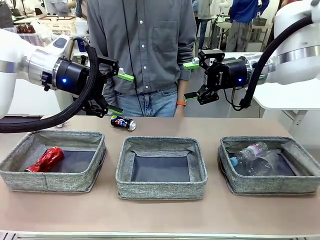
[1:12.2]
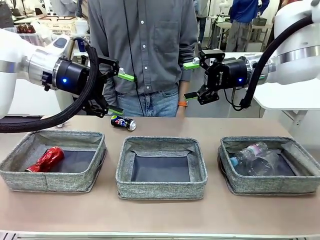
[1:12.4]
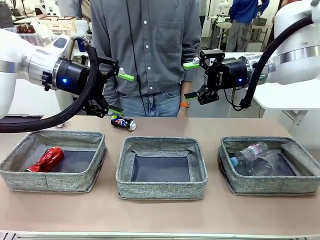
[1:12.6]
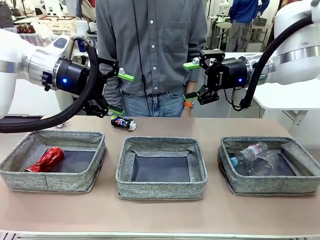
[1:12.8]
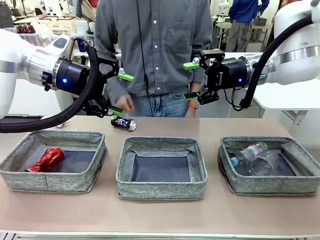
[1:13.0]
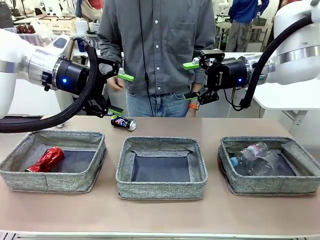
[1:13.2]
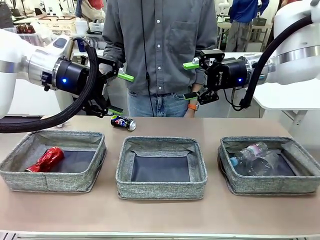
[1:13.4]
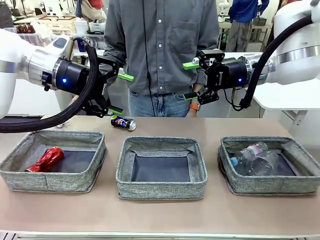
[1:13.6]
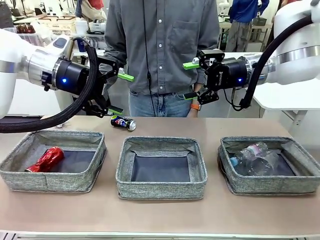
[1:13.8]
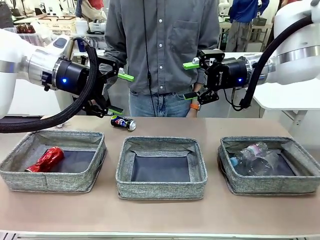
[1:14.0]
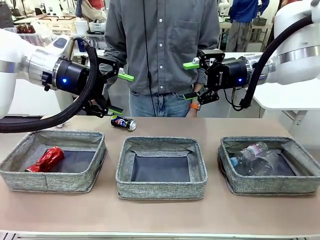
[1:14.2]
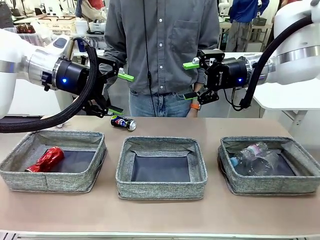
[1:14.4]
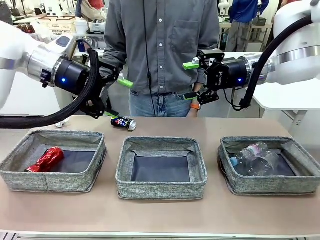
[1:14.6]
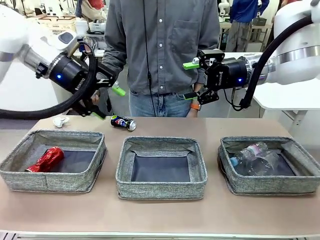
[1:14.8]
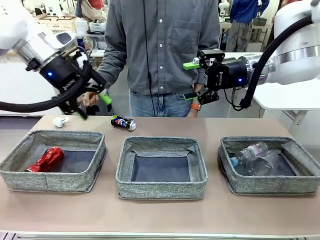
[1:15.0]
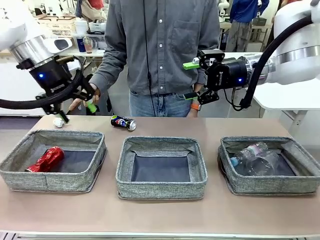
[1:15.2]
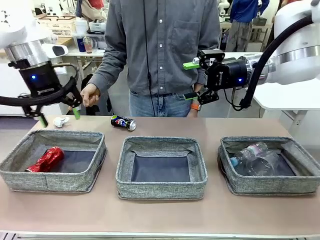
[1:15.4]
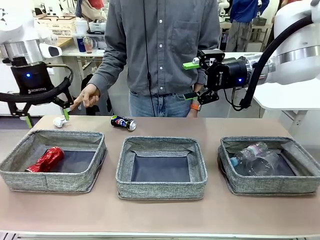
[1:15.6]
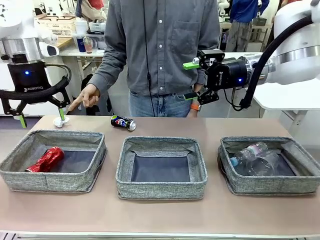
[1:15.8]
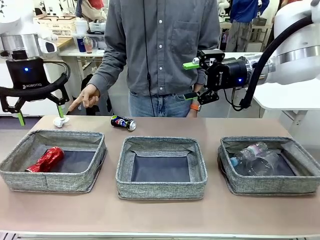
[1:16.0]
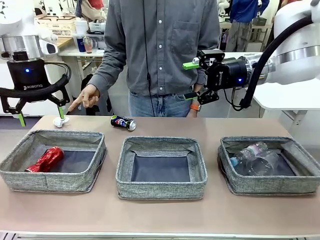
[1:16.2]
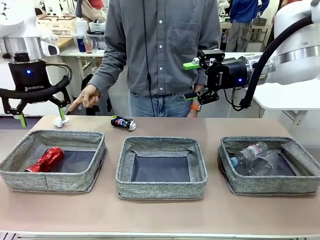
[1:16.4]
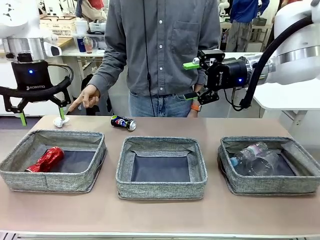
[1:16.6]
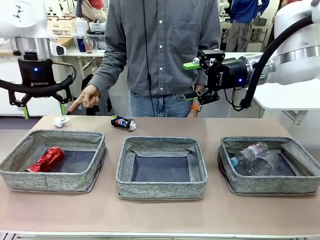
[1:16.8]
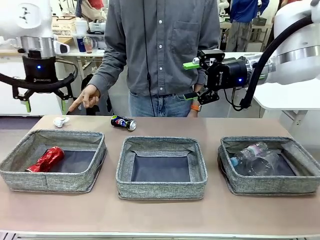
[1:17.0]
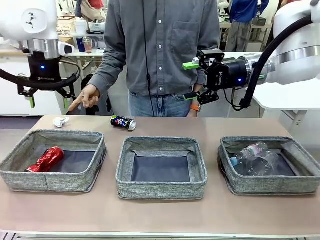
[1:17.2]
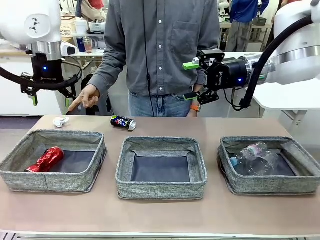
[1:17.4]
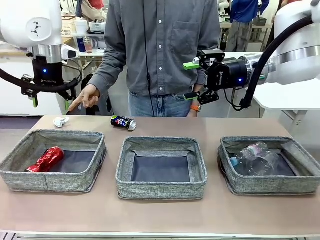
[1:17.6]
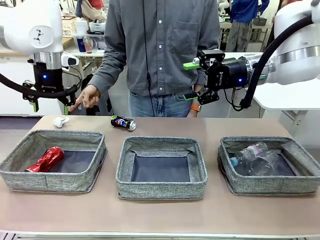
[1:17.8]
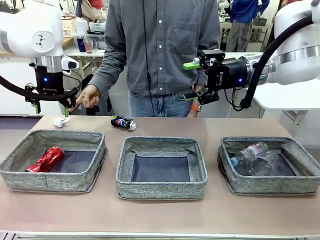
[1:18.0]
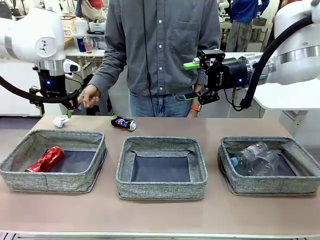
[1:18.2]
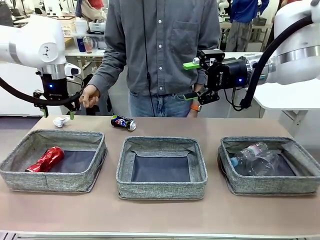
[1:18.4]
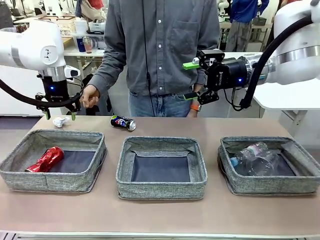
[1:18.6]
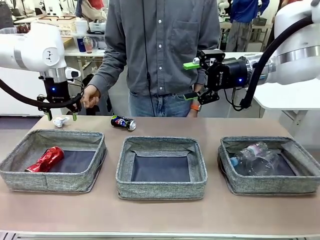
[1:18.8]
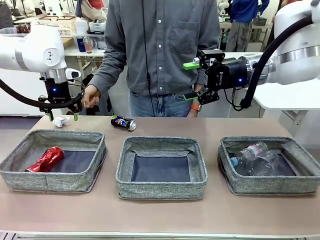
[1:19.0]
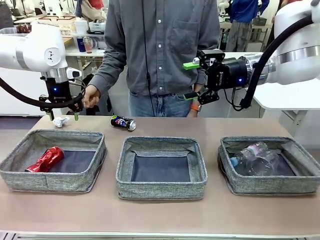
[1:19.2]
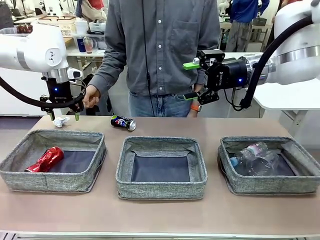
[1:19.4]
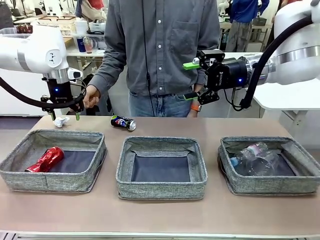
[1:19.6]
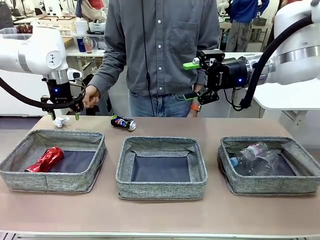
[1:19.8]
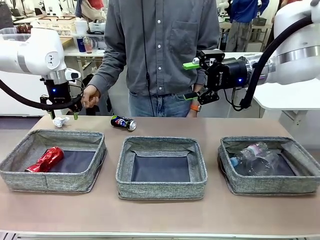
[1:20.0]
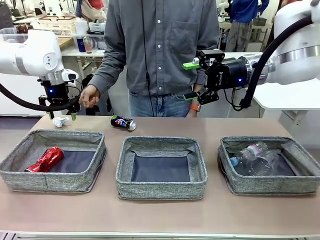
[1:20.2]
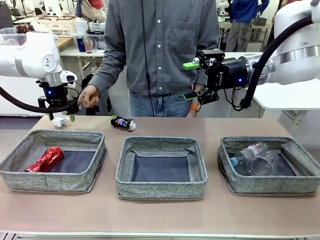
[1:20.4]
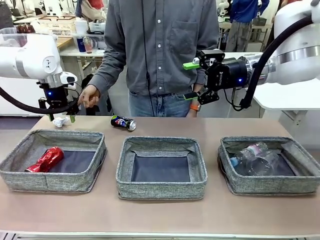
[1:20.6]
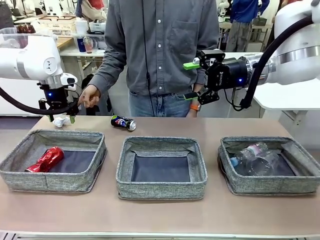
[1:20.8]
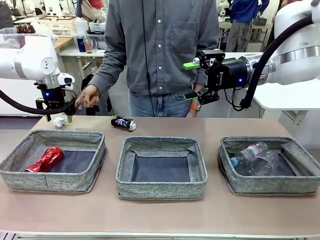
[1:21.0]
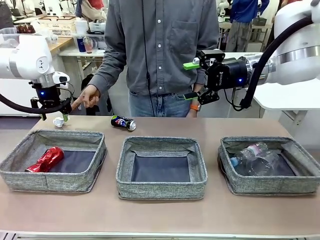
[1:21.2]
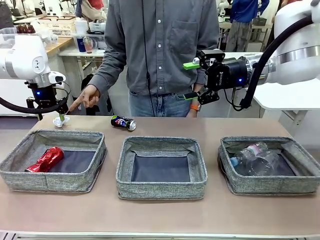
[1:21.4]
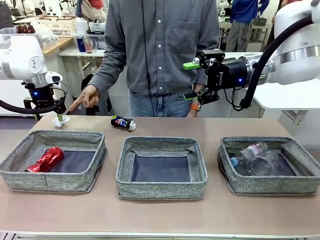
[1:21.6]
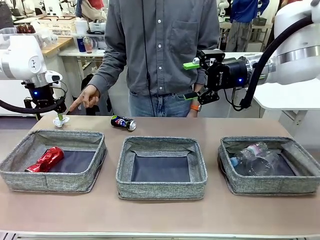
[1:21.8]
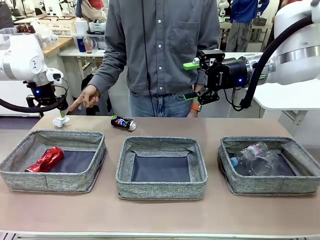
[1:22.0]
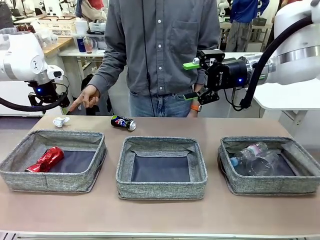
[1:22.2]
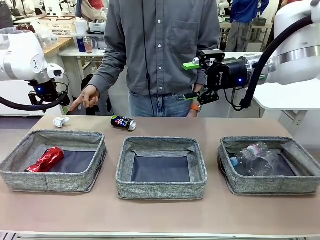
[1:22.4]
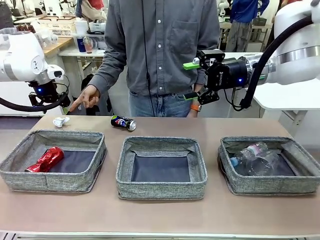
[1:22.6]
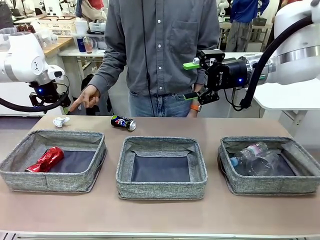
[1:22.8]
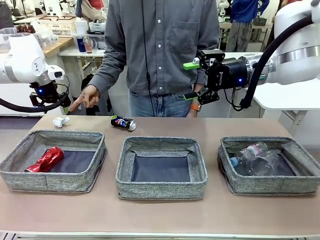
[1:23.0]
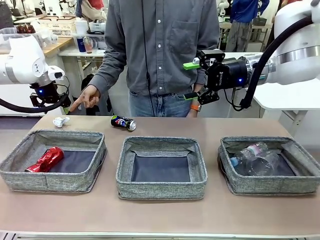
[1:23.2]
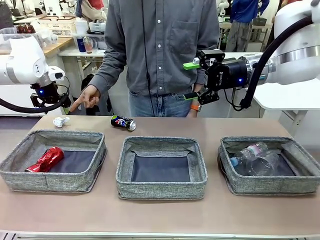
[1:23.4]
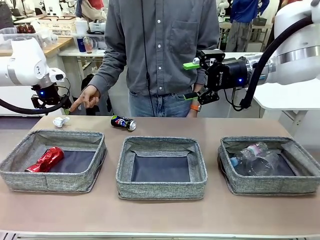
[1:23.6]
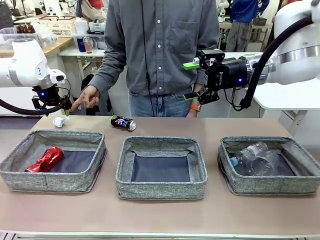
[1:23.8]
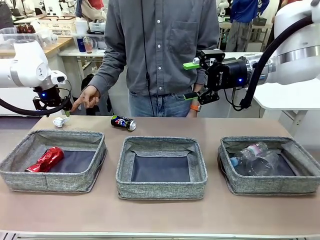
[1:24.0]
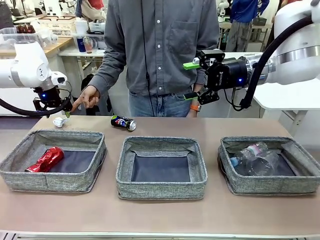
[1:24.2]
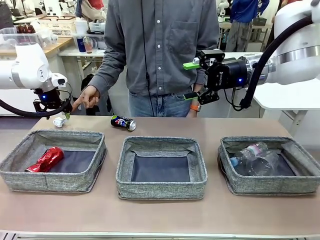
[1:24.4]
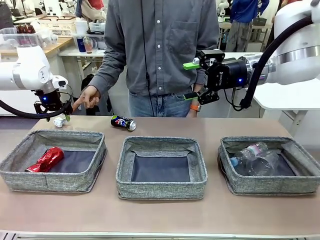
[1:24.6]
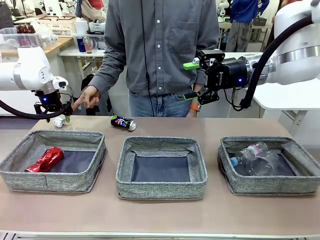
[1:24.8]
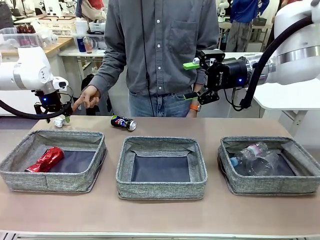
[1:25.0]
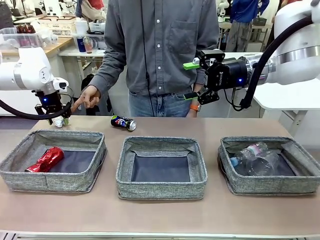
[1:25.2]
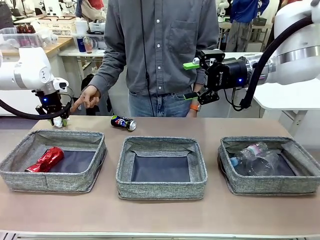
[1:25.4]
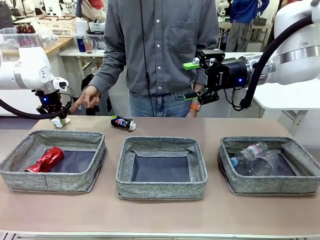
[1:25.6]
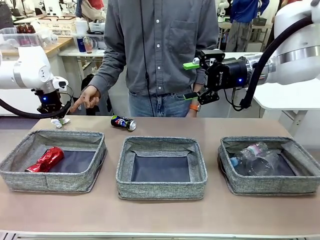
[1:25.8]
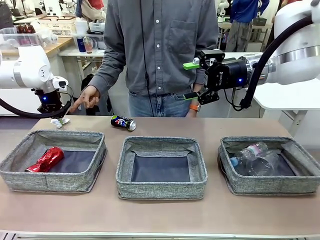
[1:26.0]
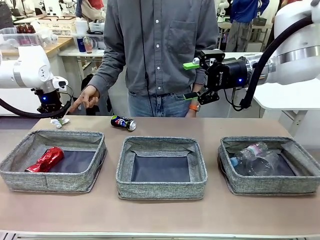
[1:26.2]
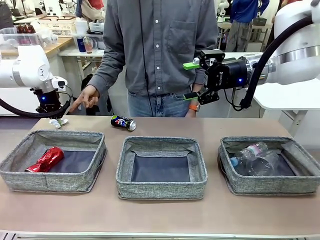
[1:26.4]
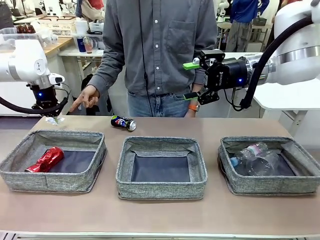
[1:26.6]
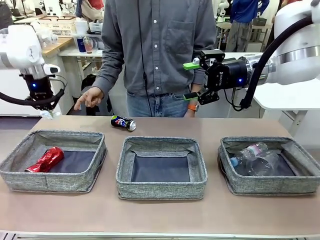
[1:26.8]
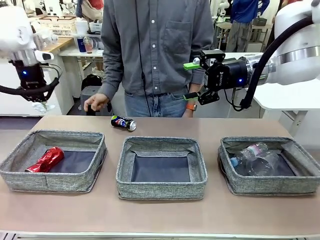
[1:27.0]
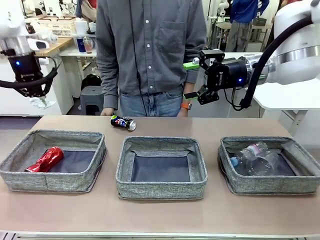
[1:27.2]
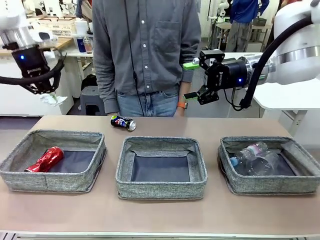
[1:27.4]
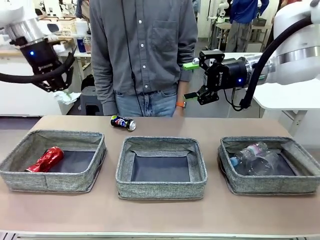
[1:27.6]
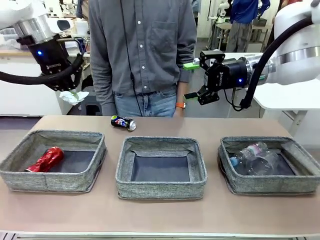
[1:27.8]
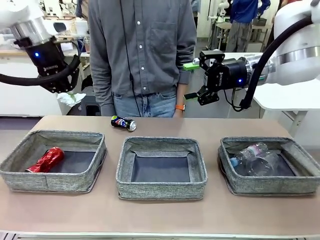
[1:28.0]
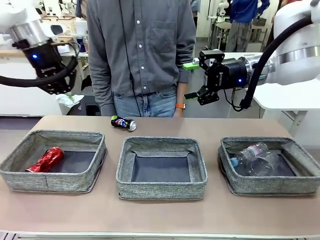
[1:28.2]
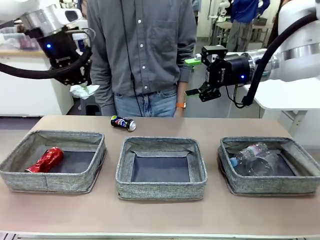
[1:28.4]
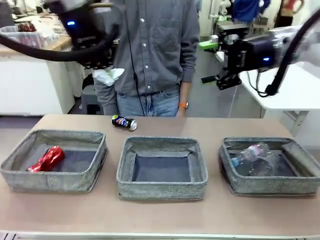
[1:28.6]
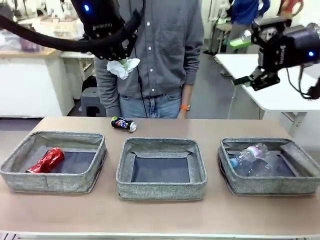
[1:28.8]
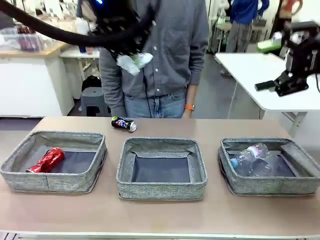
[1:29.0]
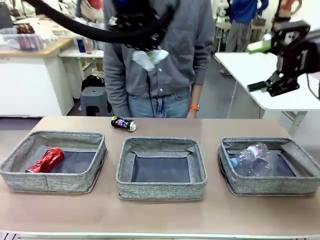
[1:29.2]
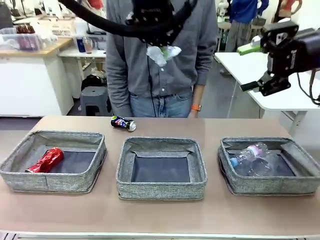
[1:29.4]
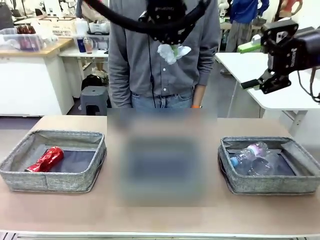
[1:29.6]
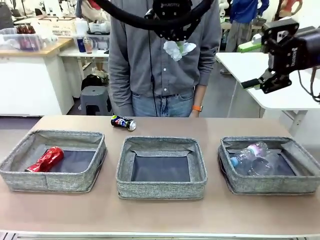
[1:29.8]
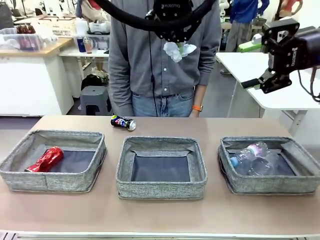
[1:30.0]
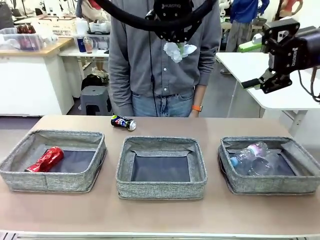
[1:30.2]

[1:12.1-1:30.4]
Task: Sort the waste into the appropriate baskets.
Robot: Pick up the waste item pointed out by the person.
Person: Points to one piece of trash on the table.

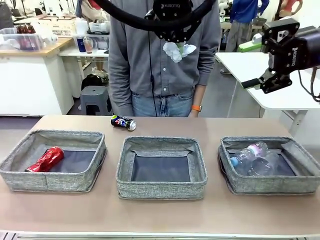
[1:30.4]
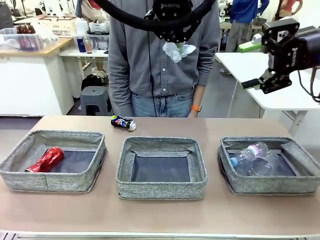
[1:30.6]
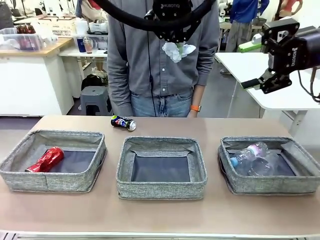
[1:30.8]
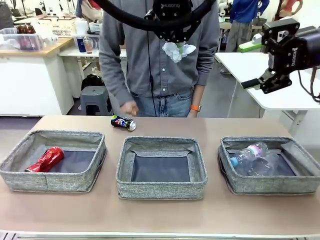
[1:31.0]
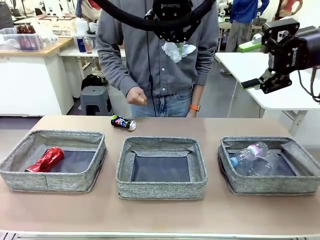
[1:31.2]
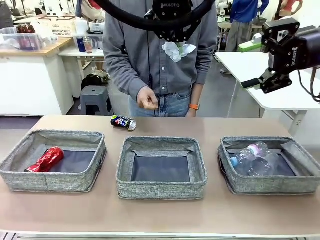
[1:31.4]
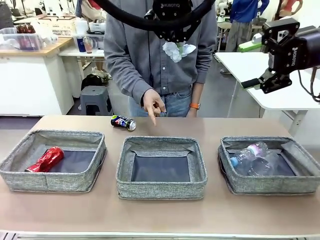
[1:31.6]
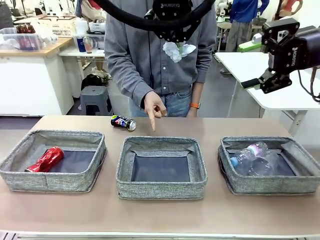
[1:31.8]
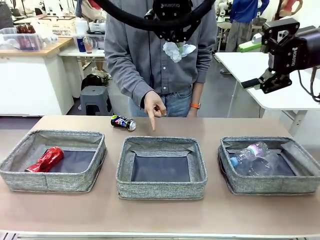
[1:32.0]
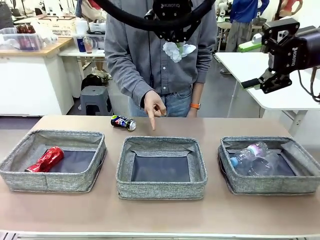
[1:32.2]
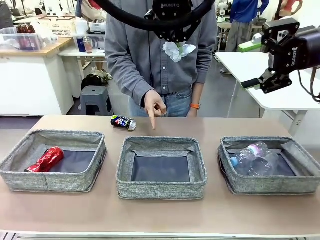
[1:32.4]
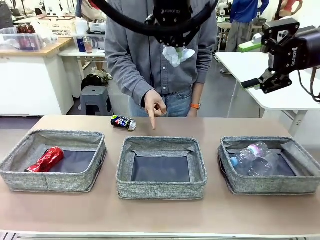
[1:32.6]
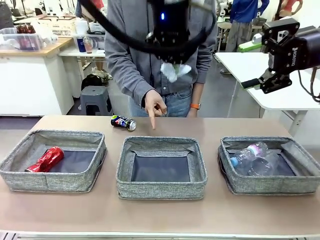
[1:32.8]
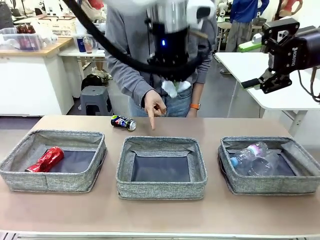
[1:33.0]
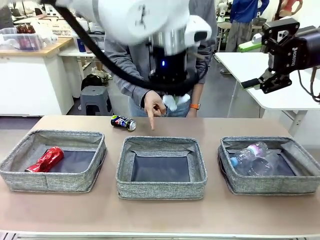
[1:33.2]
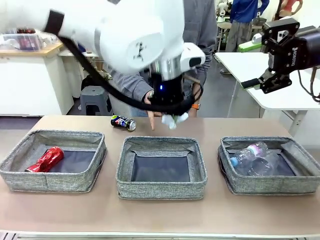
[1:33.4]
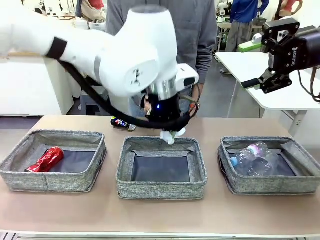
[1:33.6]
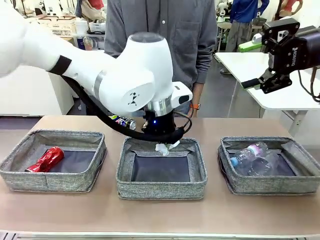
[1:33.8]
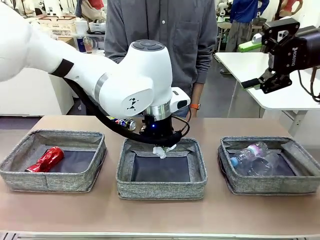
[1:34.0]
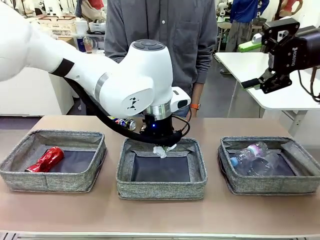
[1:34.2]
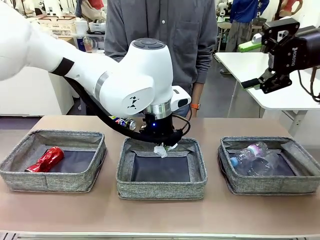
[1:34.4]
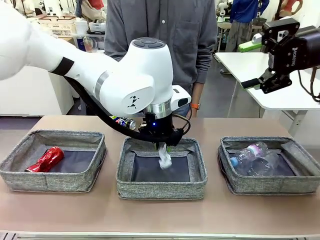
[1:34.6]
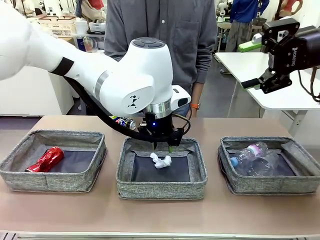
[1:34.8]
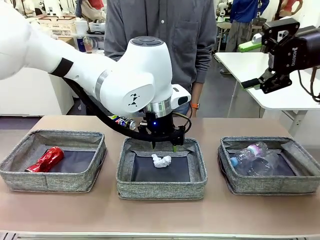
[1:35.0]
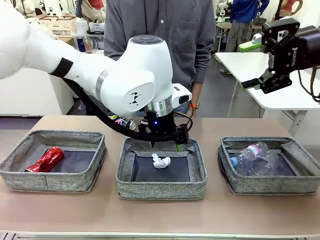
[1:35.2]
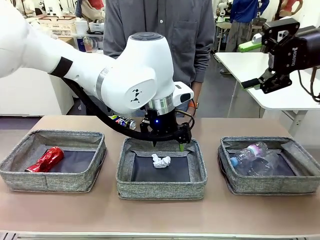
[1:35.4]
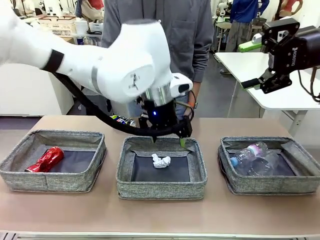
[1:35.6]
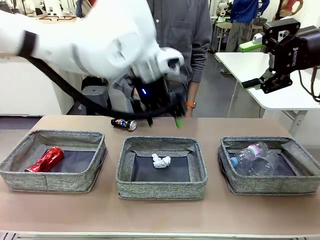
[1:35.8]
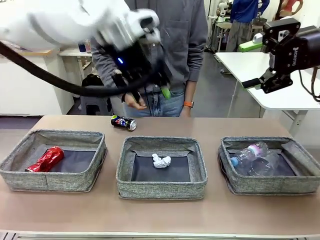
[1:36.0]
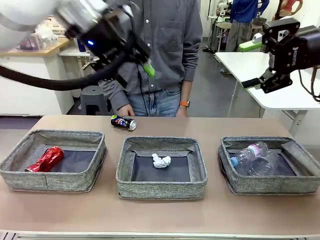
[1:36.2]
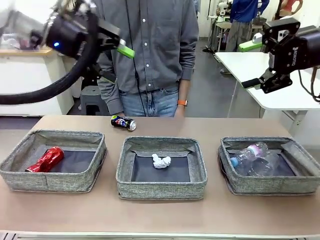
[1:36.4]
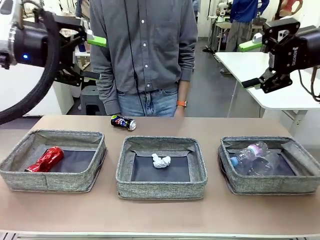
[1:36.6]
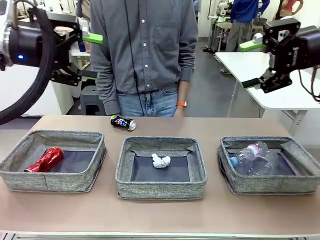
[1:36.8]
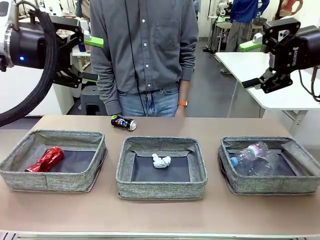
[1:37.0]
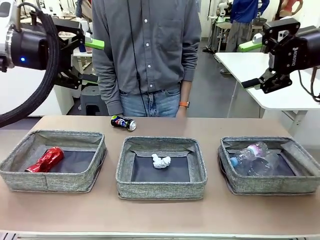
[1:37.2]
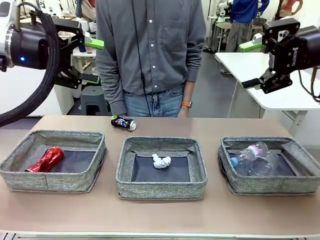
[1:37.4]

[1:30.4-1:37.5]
Robot: Place the picked waste into the Fabric basket indicated by the person.
Person: Instructs the robot to place the picked-up trash into the appropriate organizing basket.
